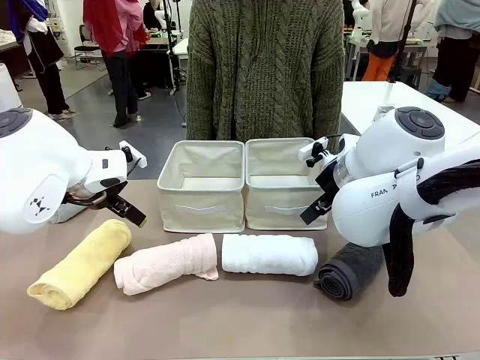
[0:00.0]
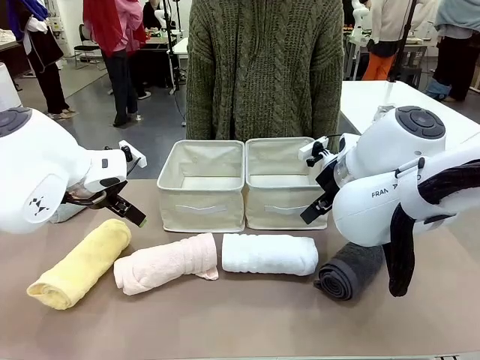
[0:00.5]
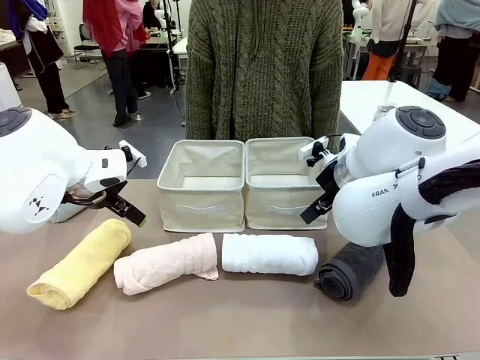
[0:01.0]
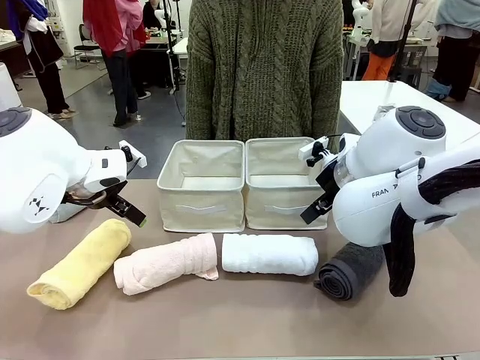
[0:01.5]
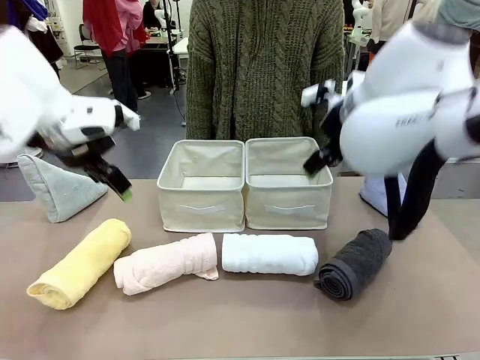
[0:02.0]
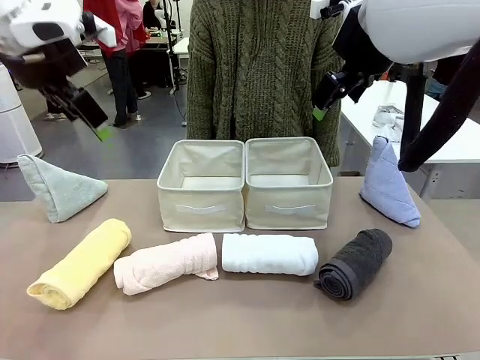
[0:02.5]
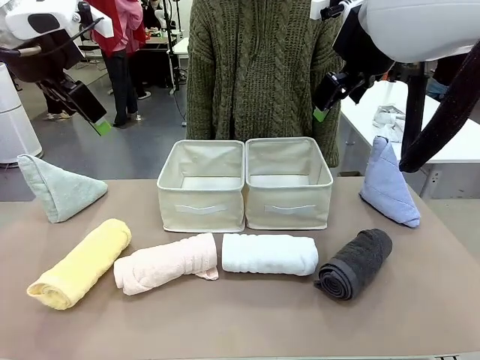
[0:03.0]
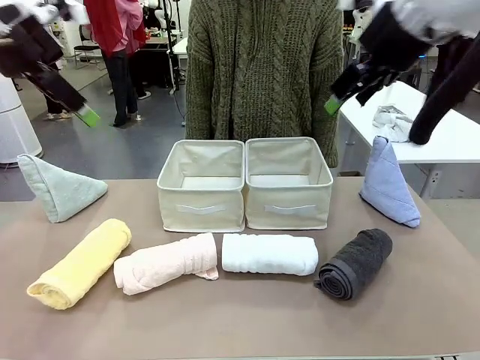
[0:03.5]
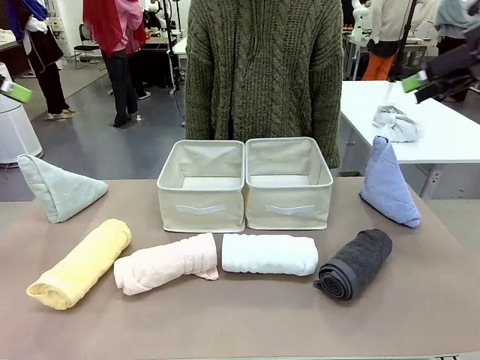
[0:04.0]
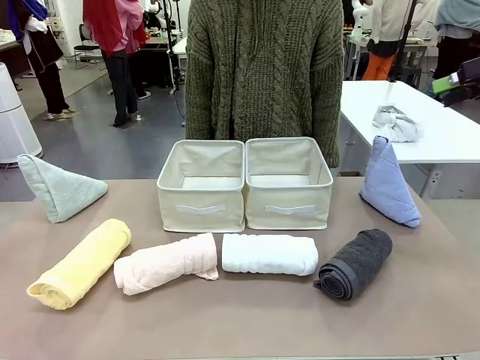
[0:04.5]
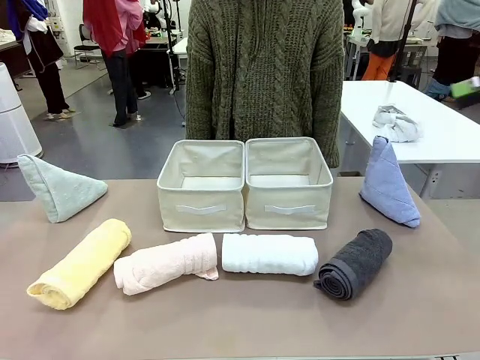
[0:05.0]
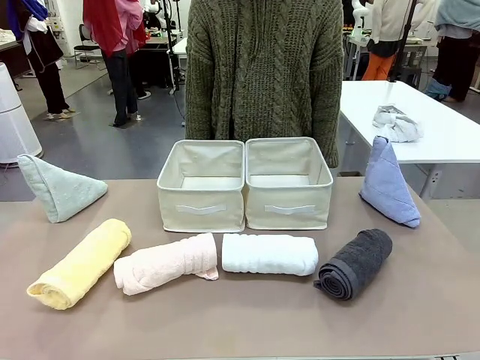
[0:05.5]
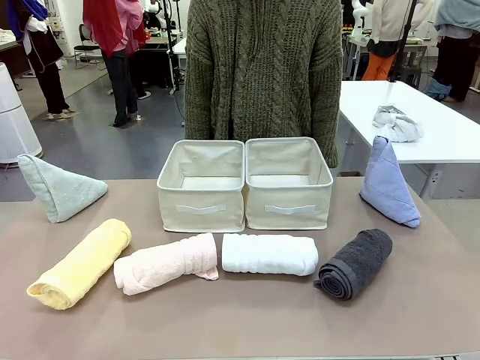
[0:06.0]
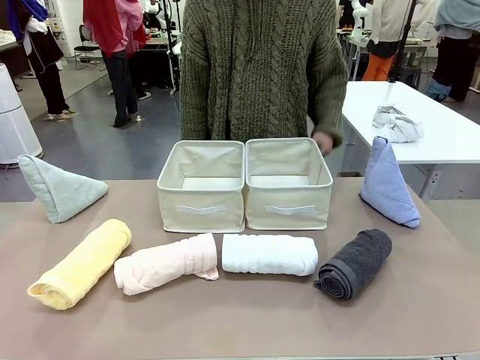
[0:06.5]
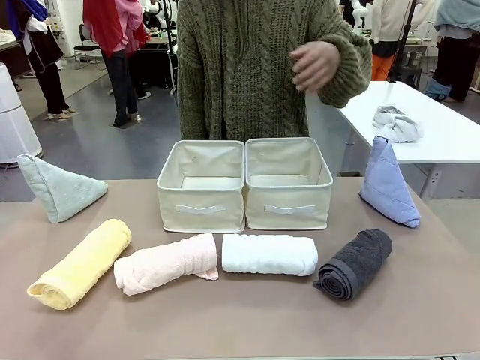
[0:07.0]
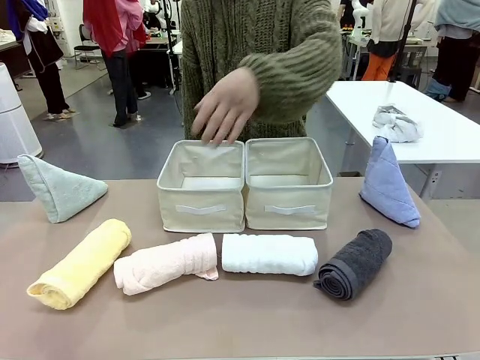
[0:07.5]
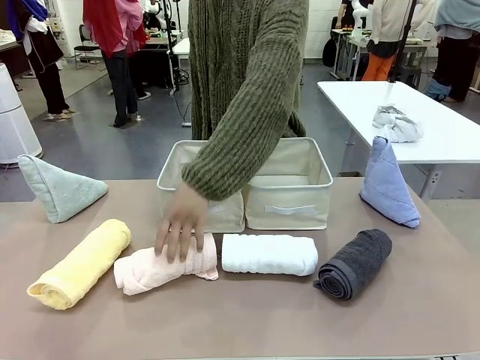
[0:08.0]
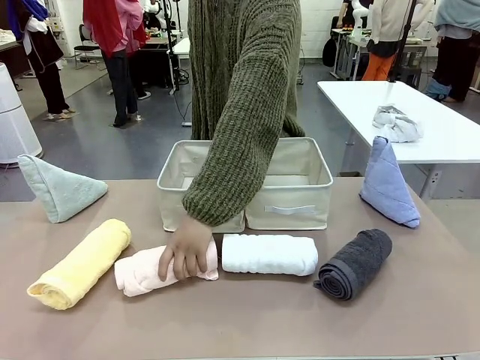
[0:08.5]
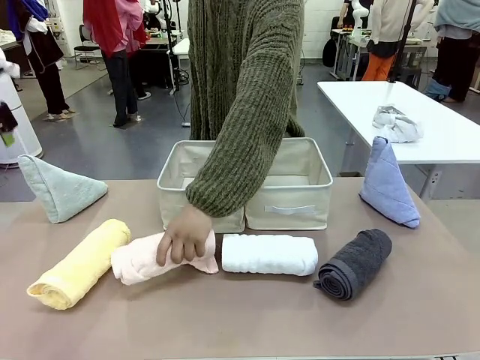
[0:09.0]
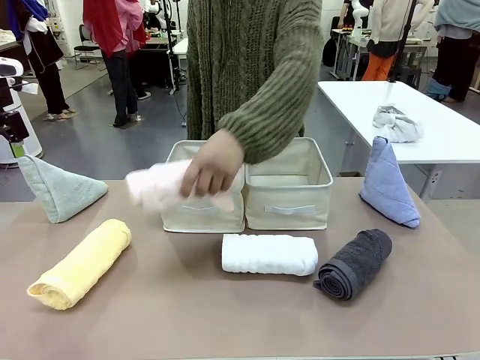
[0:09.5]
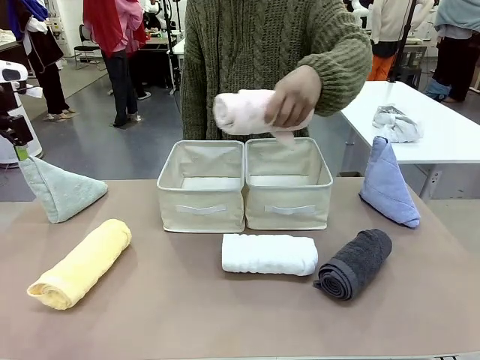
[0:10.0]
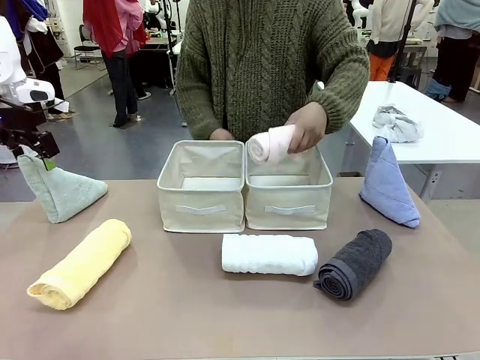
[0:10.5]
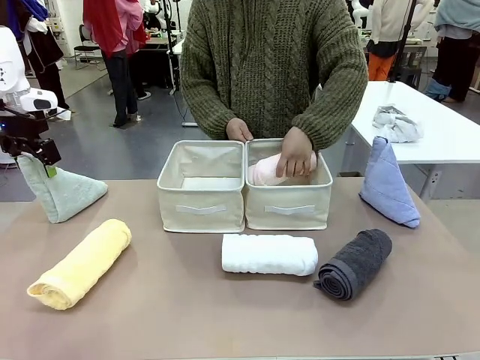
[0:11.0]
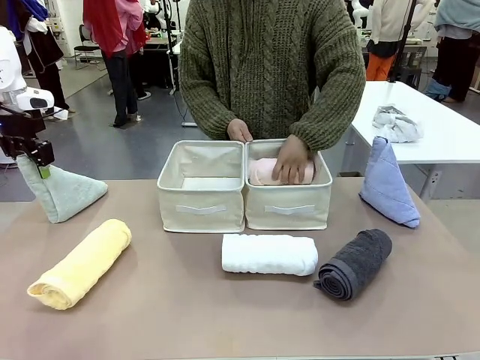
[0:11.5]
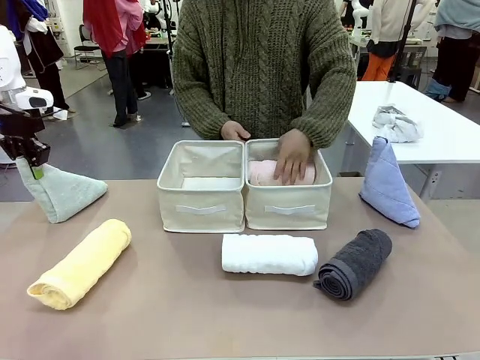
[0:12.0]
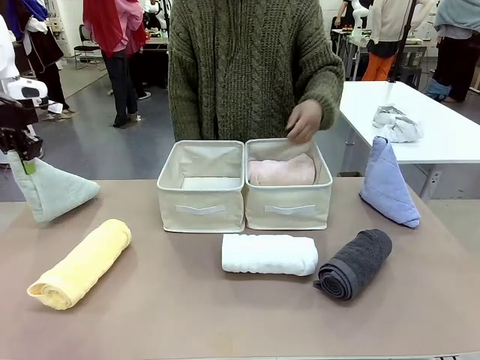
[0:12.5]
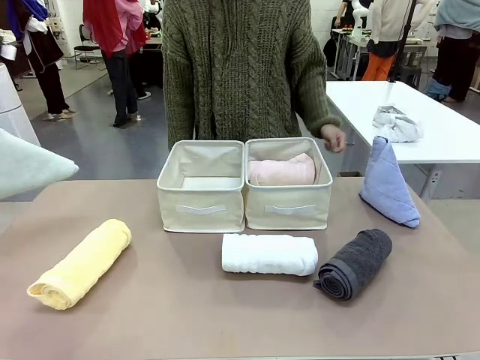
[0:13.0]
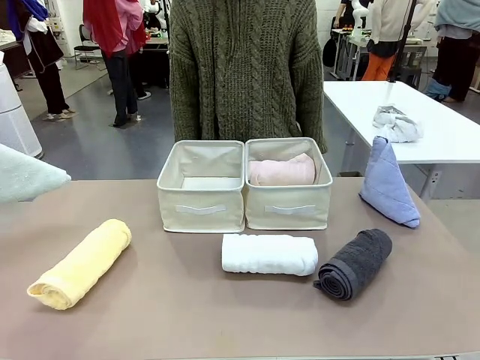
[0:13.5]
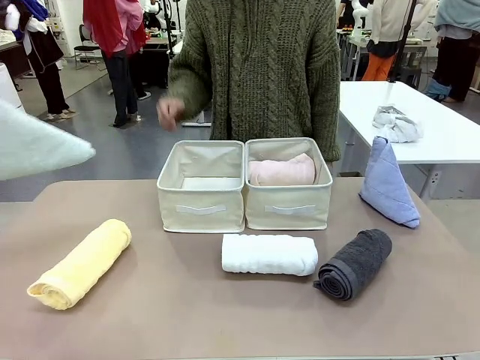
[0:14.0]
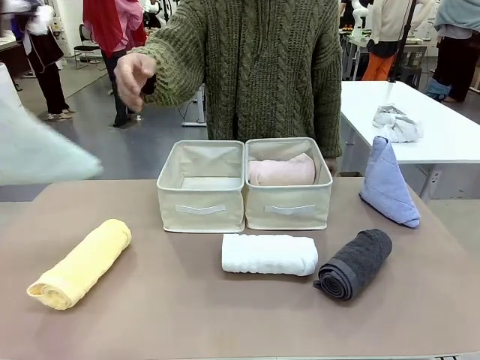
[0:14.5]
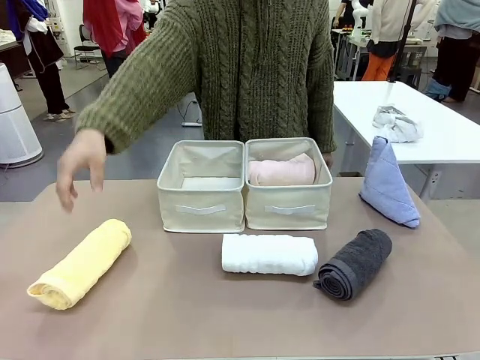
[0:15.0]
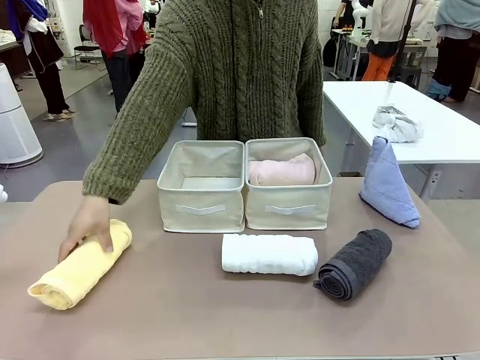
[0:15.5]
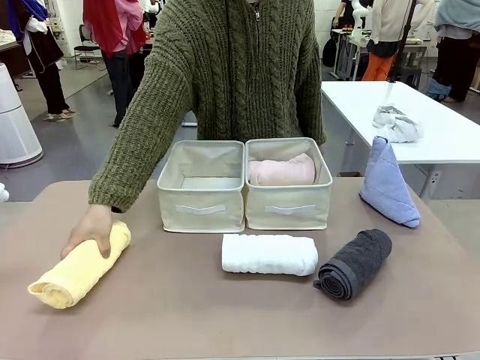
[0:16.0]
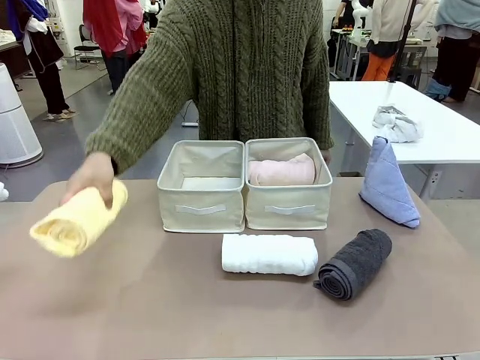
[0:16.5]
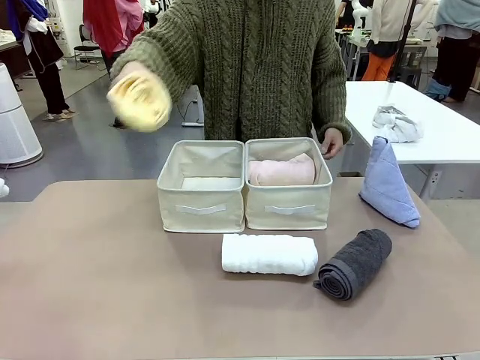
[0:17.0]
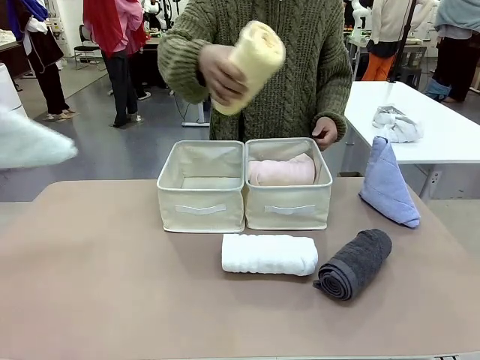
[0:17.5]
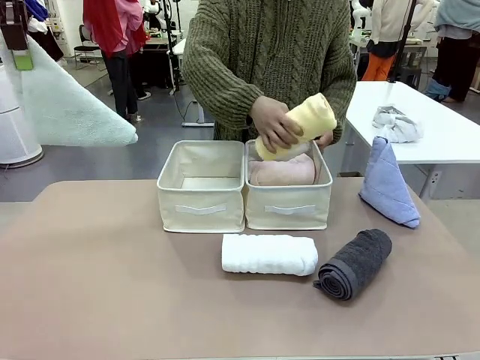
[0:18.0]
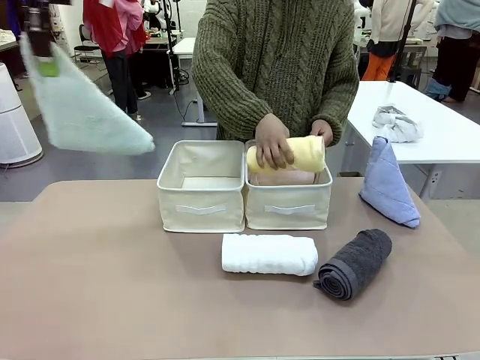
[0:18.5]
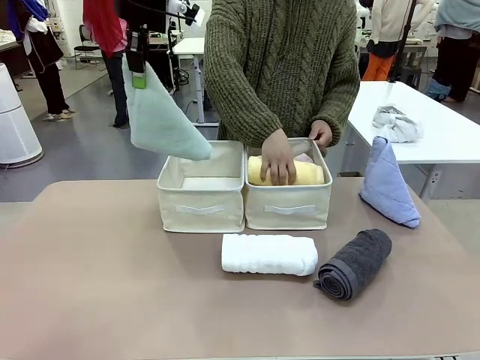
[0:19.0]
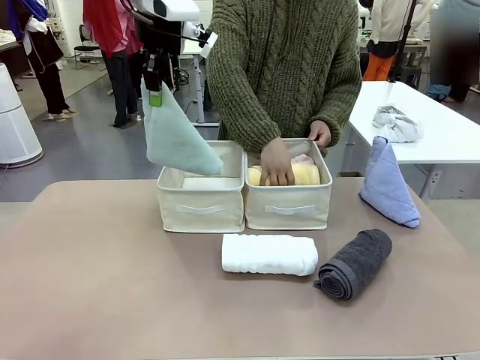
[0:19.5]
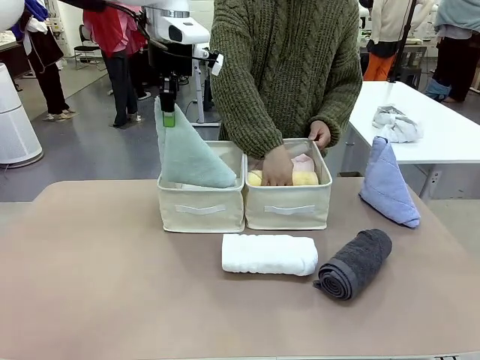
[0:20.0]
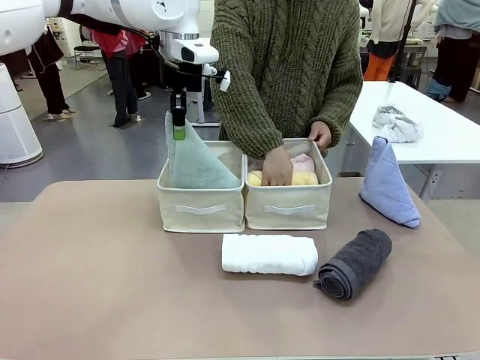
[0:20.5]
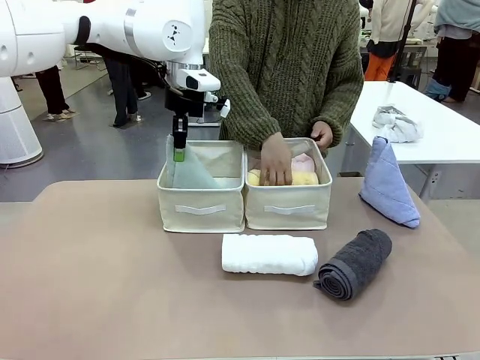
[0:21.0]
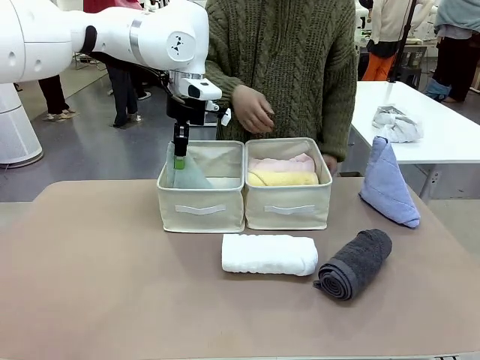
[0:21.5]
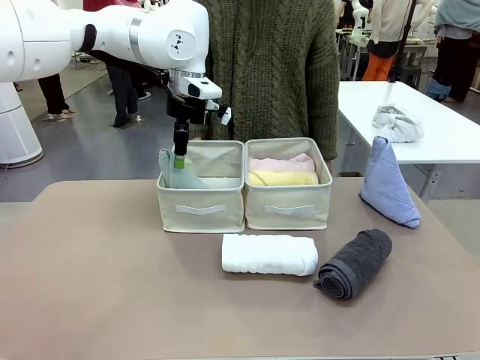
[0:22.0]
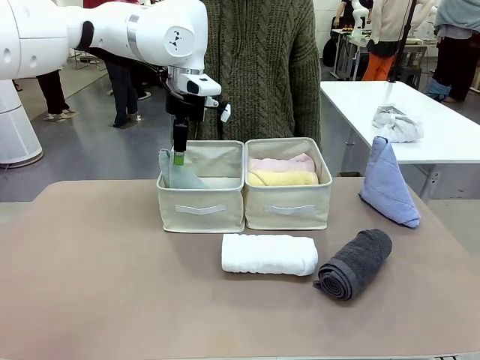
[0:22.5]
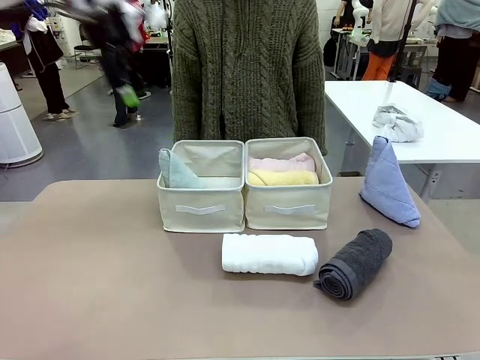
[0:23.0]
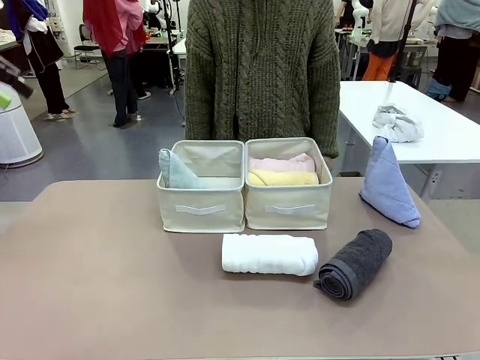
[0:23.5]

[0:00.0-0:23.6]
Task: Sort the towels based on their folding style.
Robot: Pick up one triangle-folded towel and place it in the left Fabric basket.
Person: Pick up one hotel-style rolled towel and place it in the left fabric basket.
